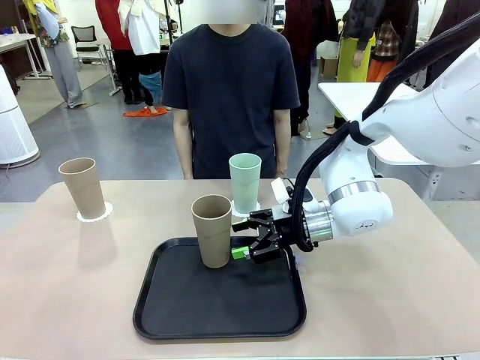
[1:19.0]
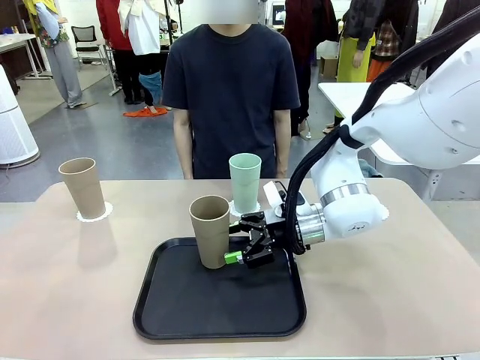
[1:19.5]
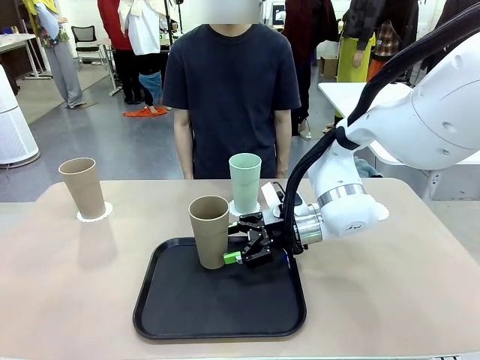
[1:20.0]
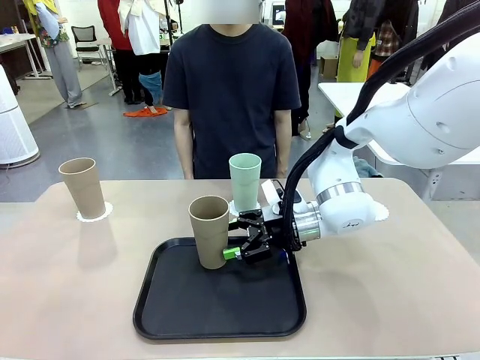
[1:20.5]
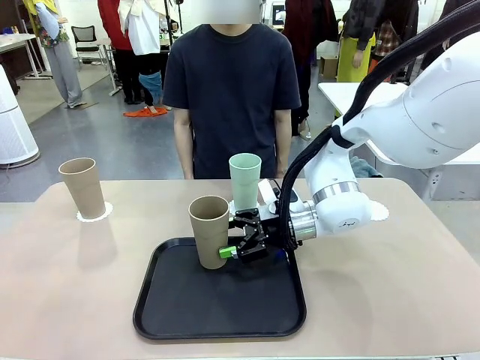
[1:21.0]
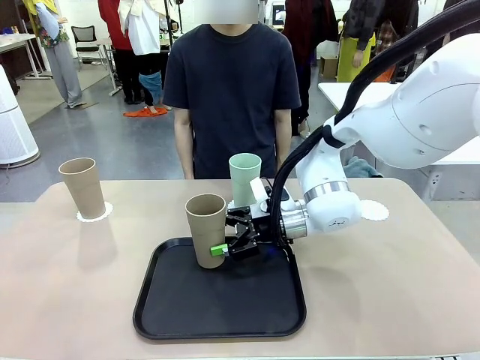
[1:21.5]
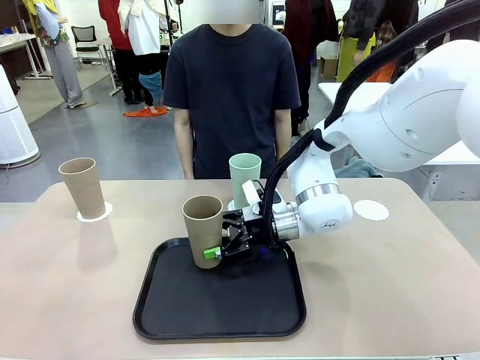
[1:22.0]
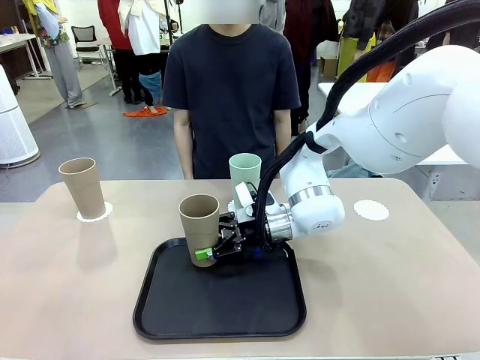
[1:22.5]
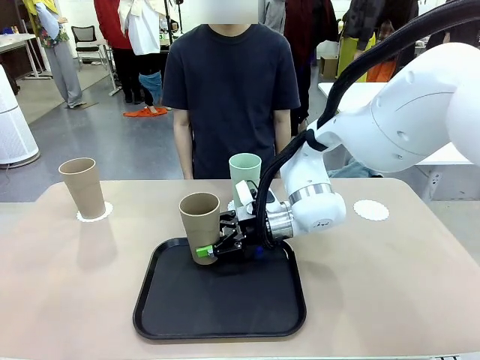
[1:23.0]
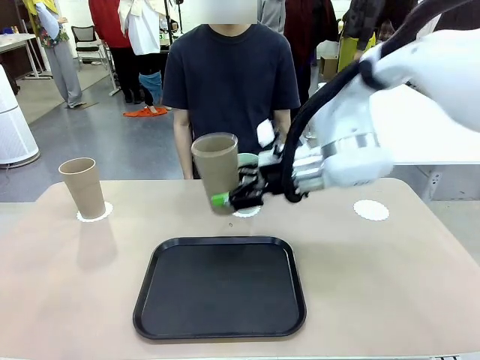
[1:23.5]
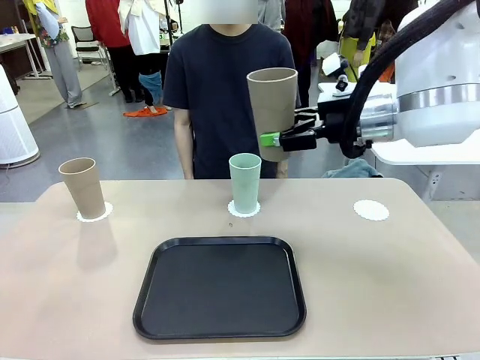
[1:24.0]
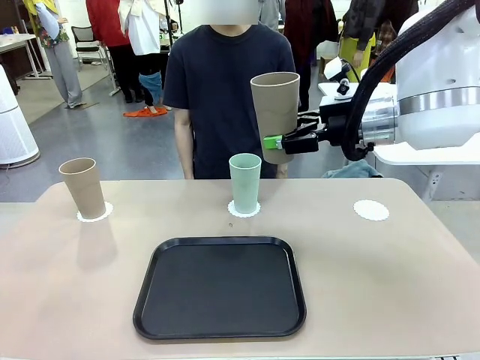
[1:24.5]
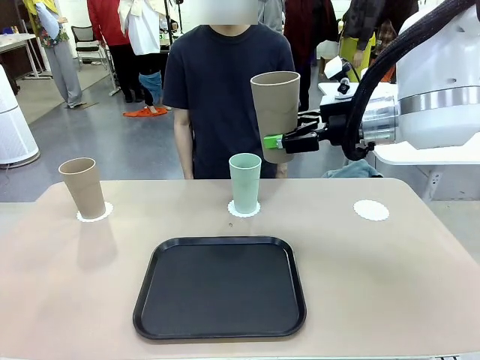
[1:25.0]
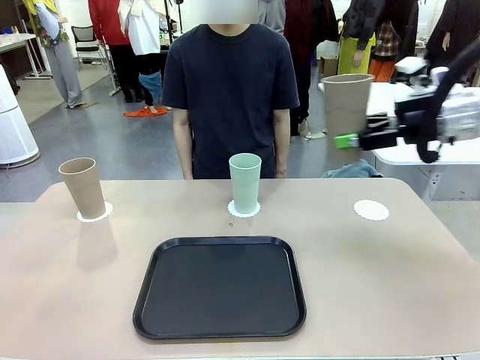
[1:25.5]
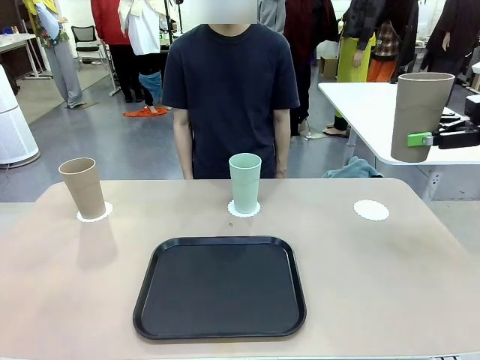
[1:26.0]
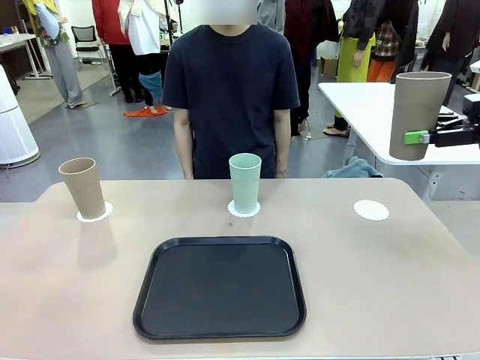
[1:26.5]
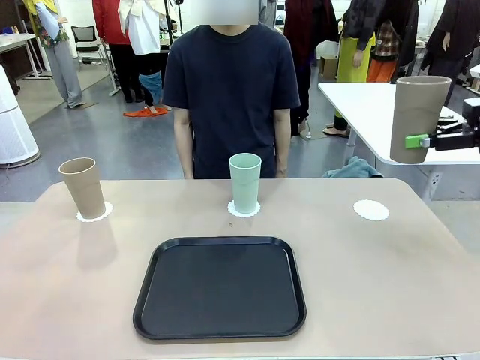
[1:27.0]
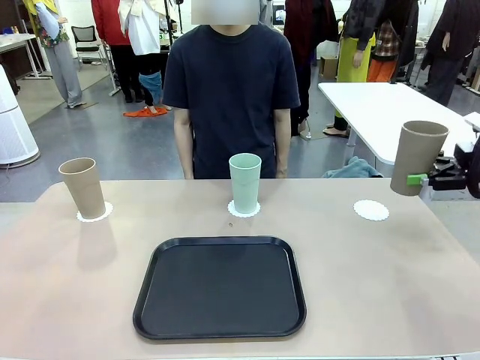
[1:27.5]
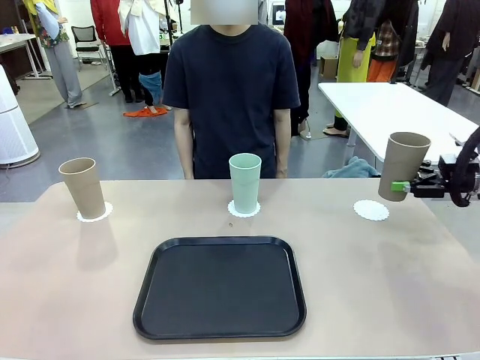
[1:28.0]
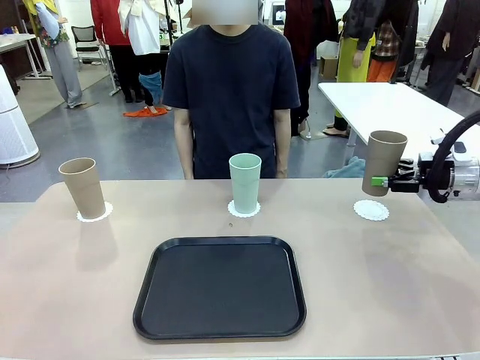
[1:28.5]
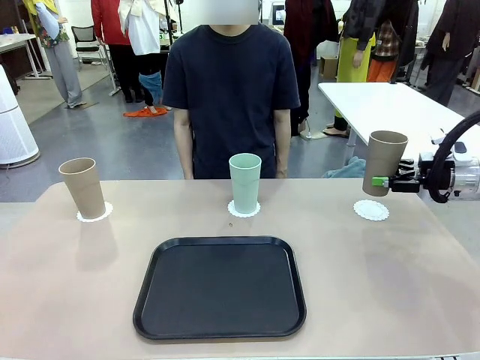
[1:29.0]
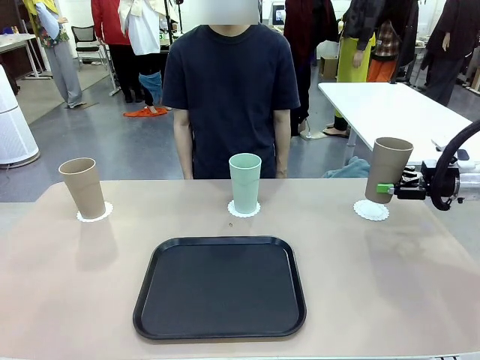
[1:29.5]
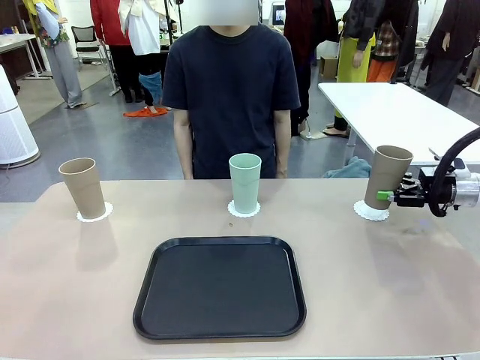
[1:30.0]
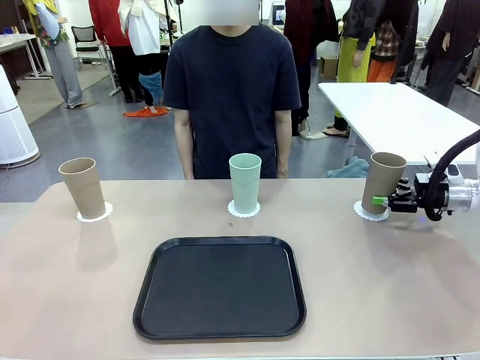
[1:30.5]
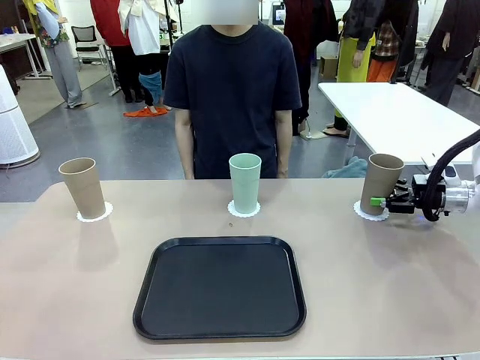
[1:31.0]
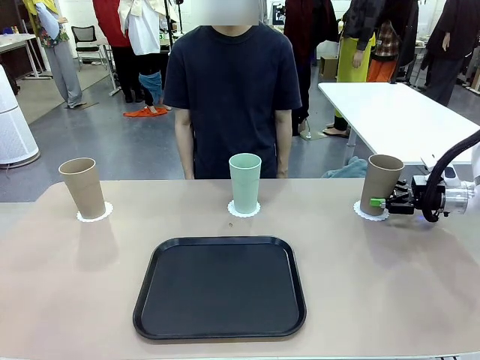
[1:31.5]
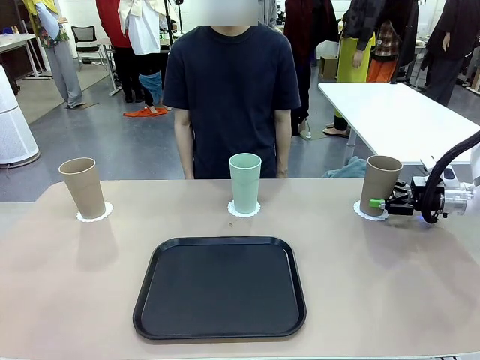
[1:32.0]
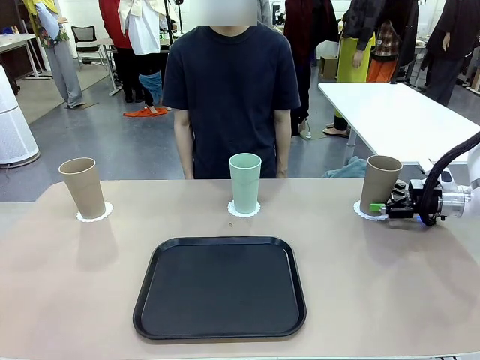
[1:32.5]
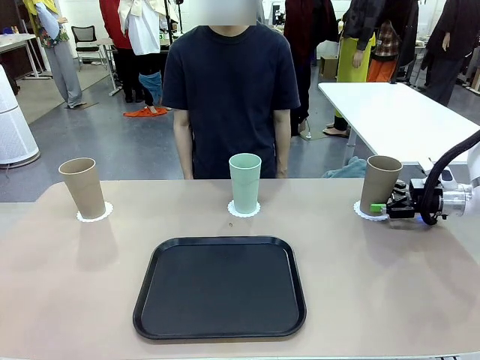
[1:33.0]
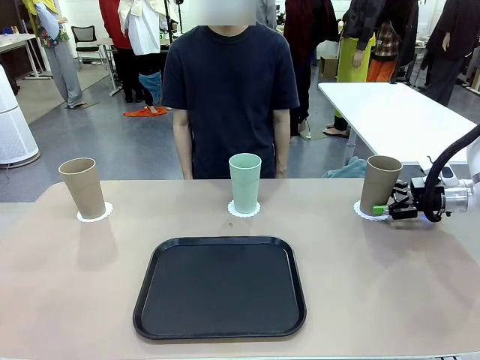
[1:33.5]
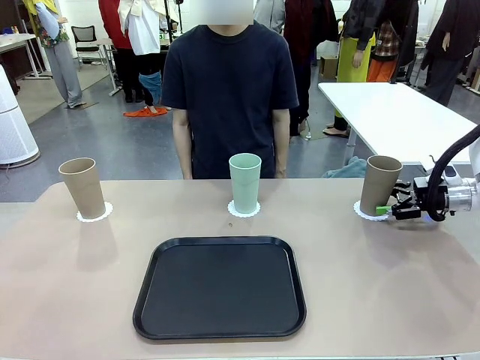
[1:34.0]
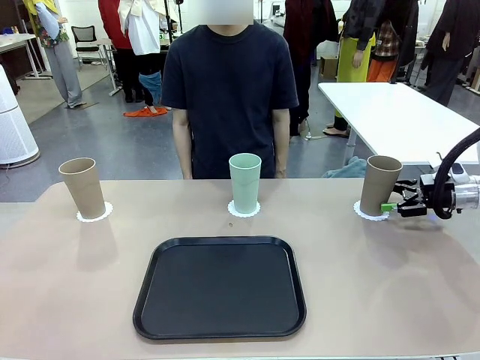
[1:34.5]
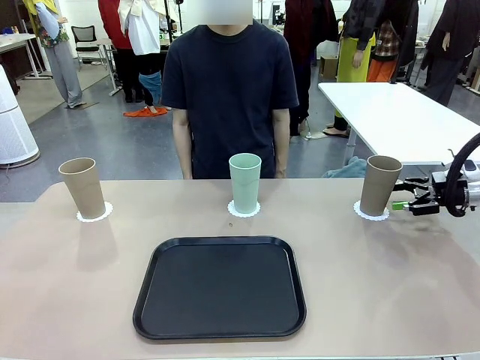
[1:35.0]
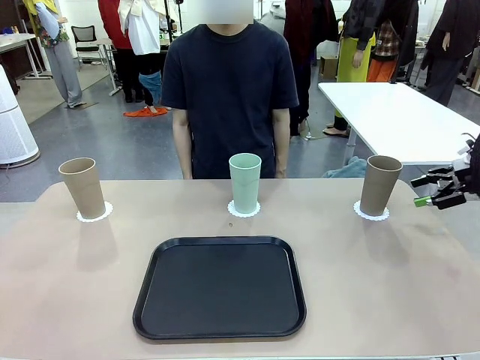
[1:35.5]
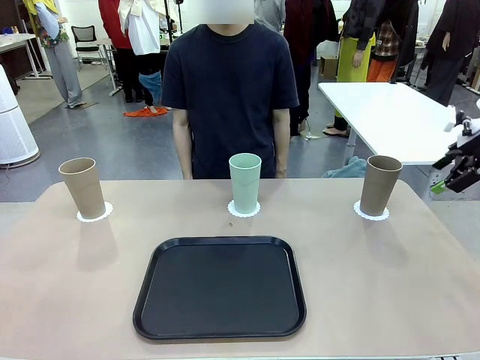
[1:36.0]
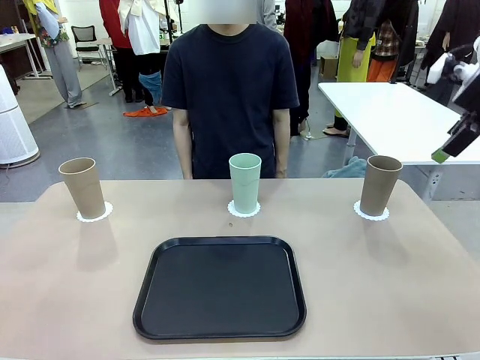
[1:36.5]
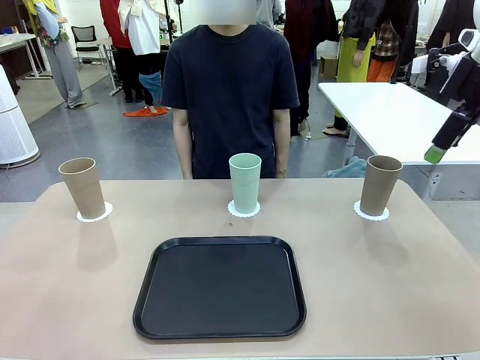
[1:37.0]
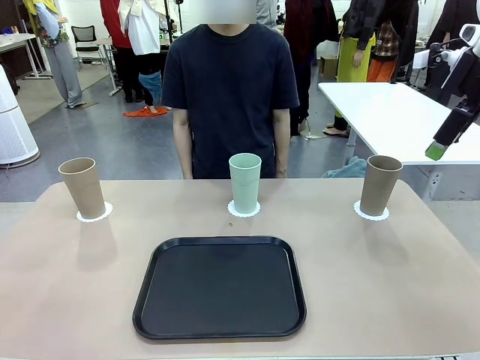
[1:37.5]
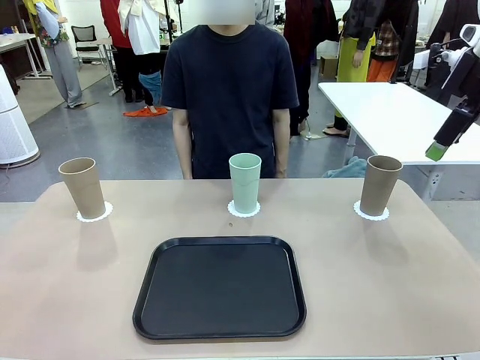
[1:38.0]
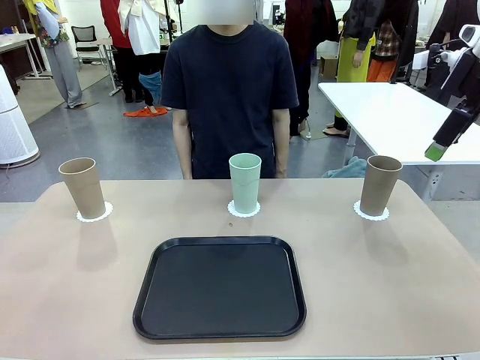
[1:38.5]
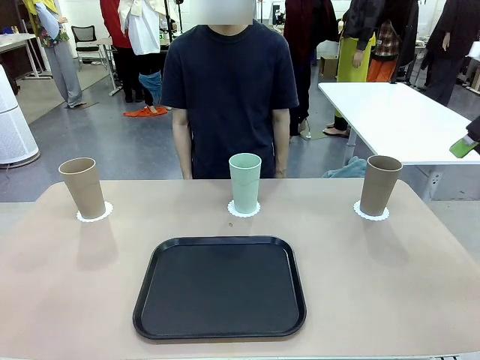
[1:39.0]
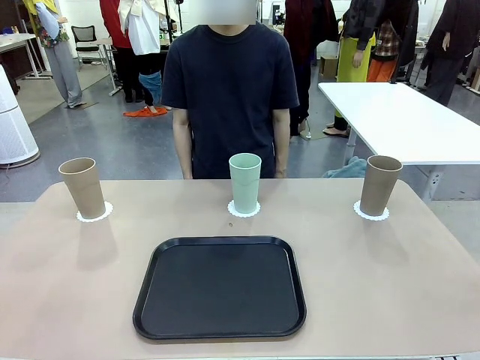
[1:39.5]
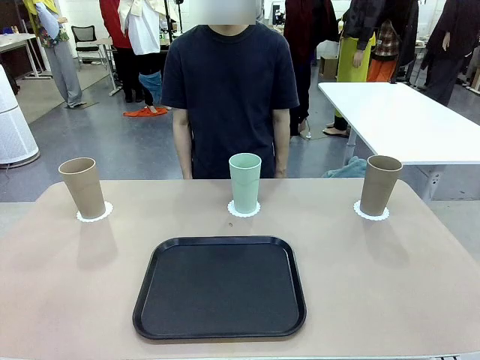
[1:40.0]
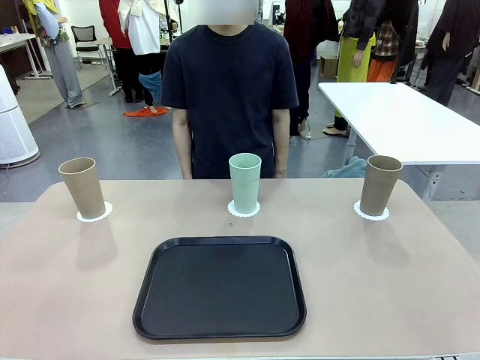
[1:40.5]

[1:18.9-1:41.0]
Task: Place coasters on the table and set cups on them.
Robot: Take one Reusable plastic cup from the Flat Tray and place it on a coaster set by the human.
